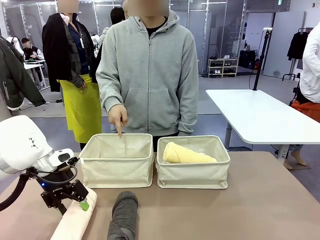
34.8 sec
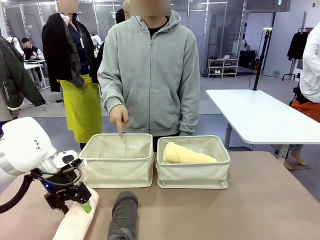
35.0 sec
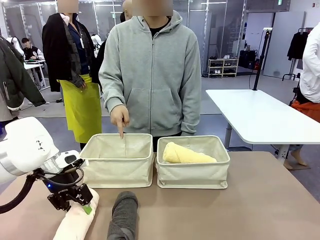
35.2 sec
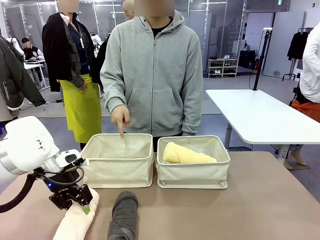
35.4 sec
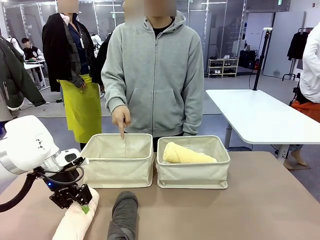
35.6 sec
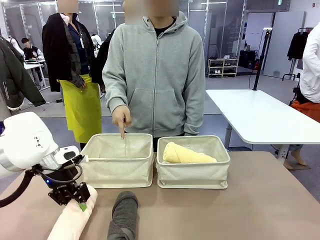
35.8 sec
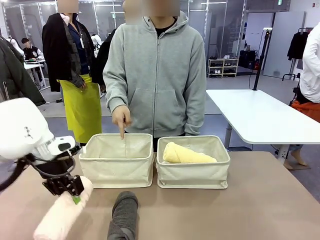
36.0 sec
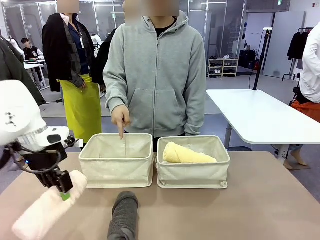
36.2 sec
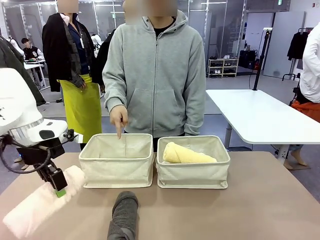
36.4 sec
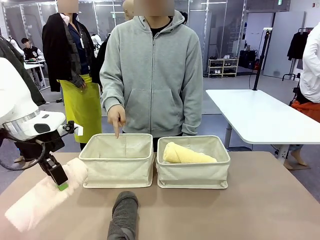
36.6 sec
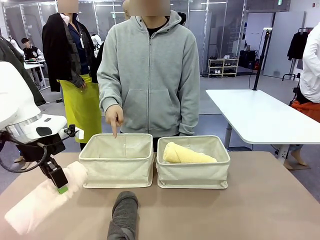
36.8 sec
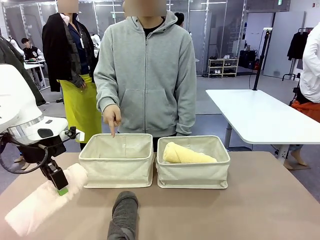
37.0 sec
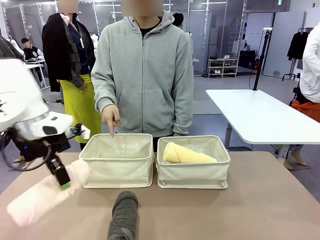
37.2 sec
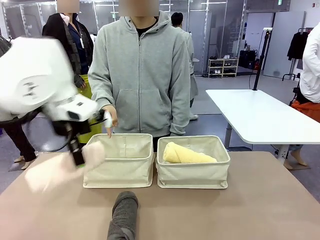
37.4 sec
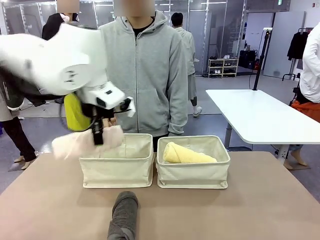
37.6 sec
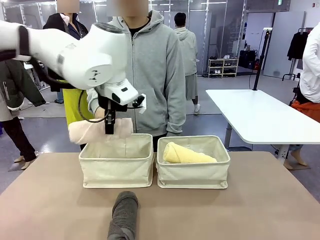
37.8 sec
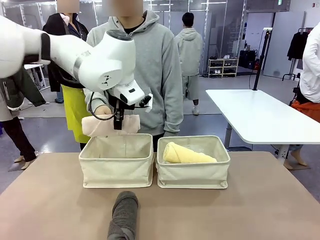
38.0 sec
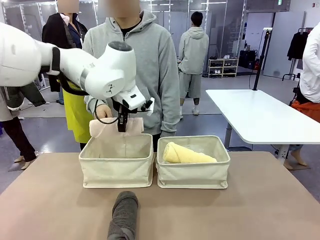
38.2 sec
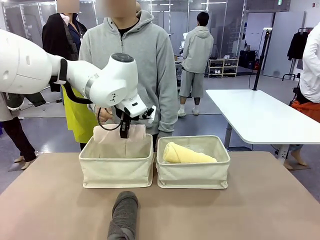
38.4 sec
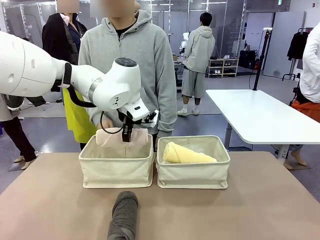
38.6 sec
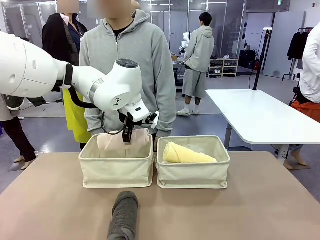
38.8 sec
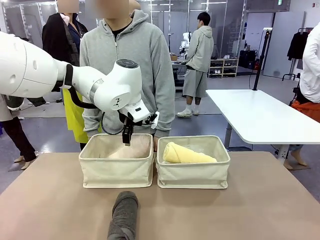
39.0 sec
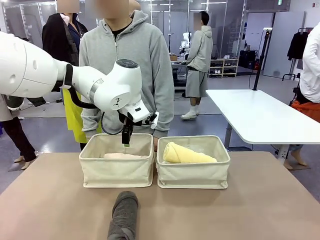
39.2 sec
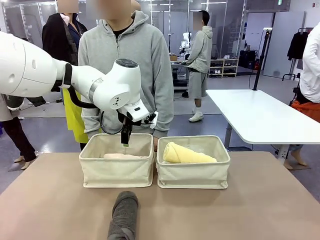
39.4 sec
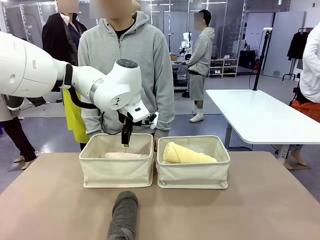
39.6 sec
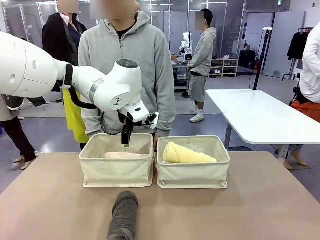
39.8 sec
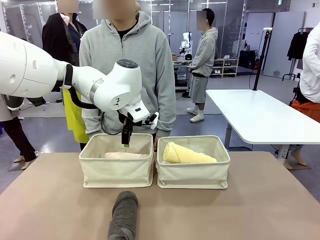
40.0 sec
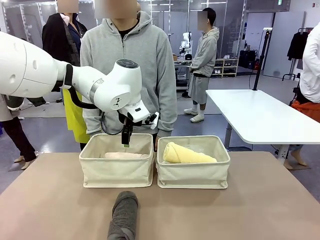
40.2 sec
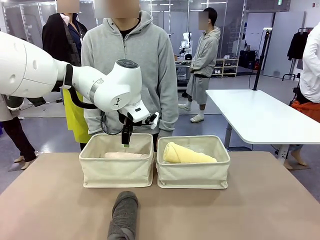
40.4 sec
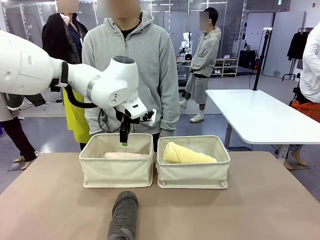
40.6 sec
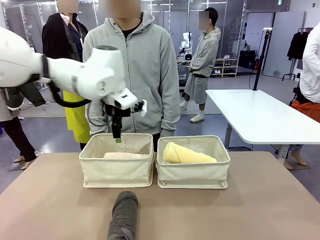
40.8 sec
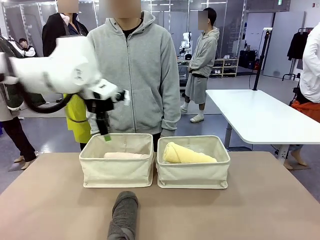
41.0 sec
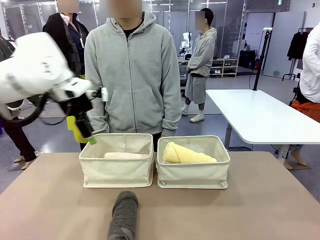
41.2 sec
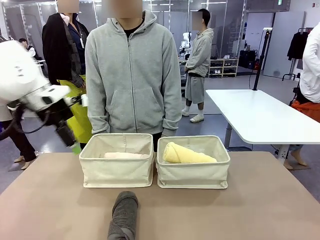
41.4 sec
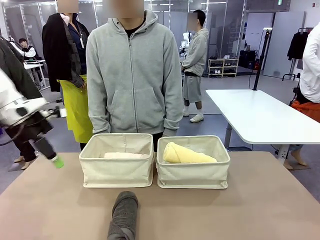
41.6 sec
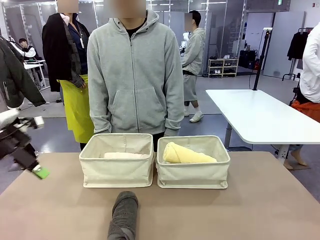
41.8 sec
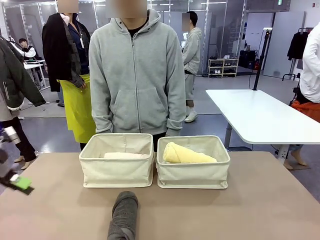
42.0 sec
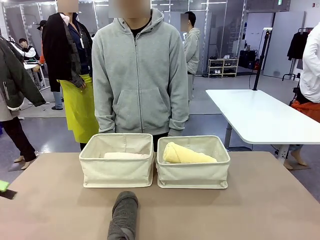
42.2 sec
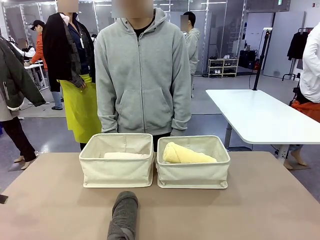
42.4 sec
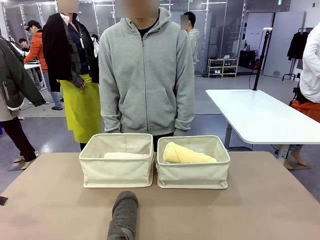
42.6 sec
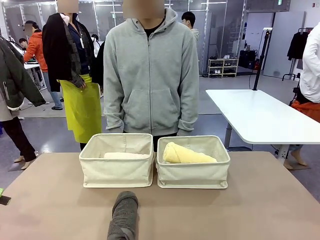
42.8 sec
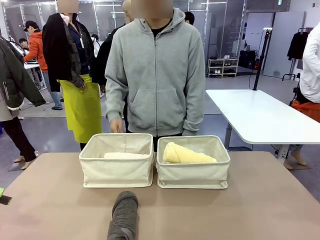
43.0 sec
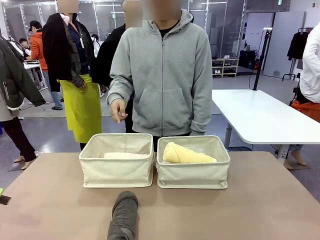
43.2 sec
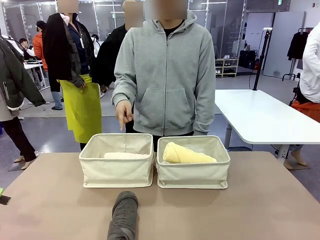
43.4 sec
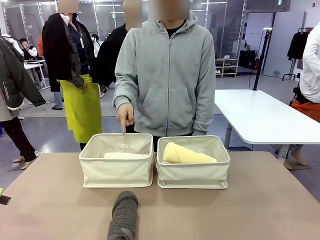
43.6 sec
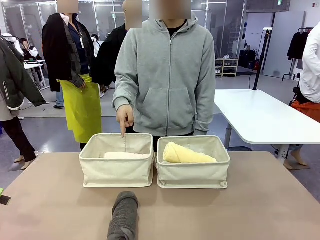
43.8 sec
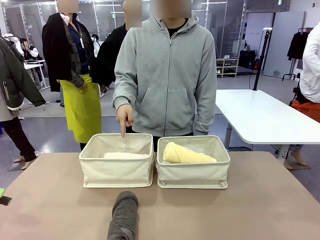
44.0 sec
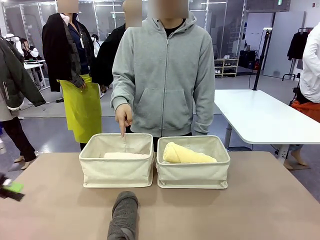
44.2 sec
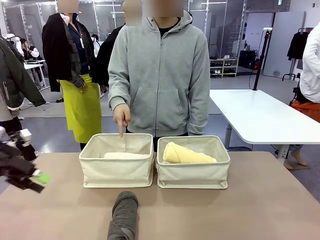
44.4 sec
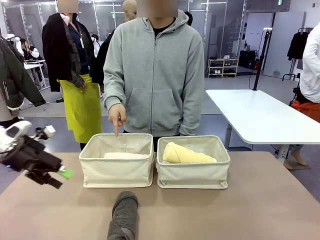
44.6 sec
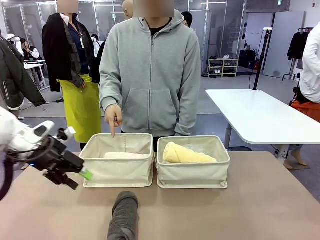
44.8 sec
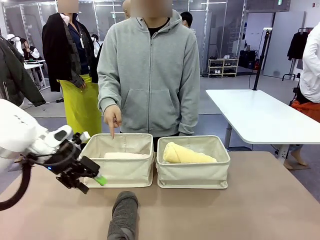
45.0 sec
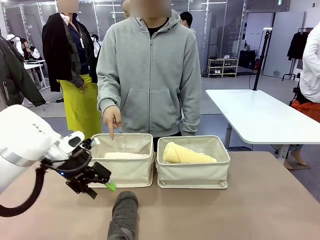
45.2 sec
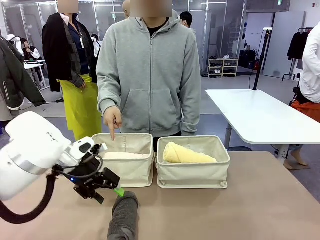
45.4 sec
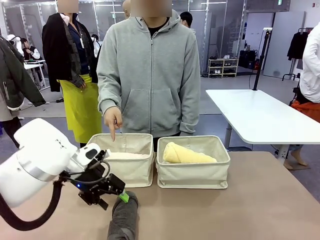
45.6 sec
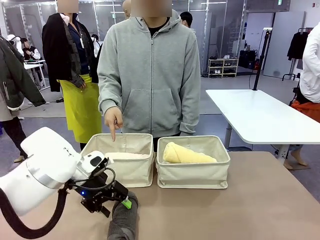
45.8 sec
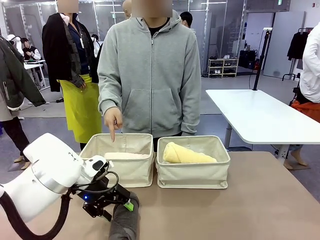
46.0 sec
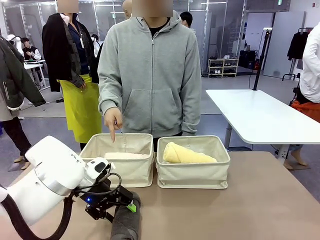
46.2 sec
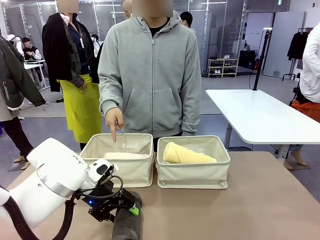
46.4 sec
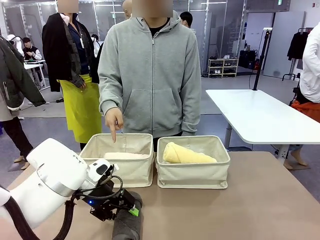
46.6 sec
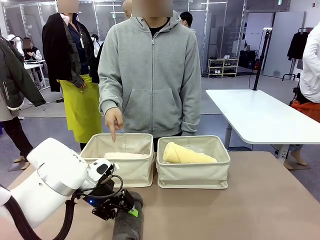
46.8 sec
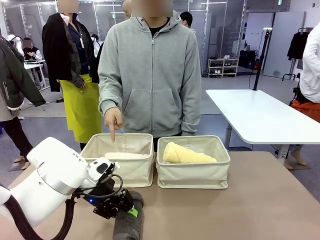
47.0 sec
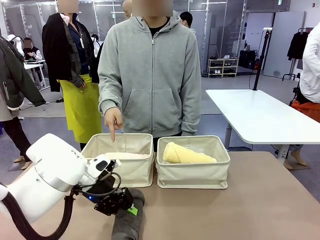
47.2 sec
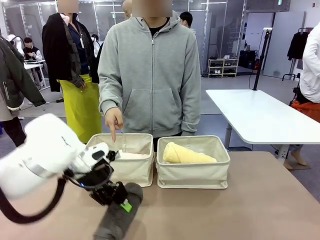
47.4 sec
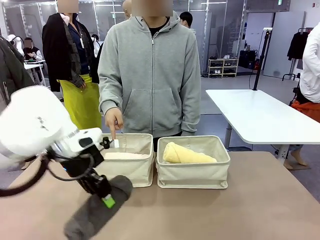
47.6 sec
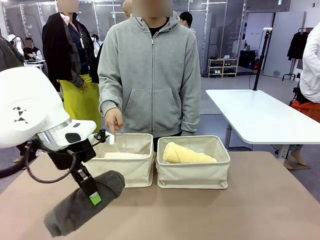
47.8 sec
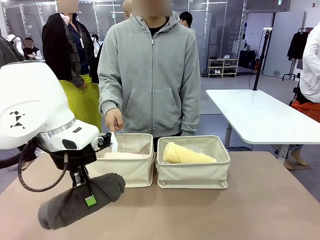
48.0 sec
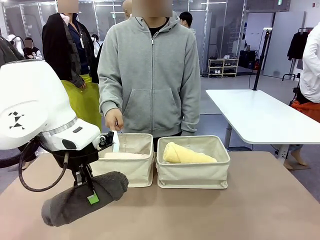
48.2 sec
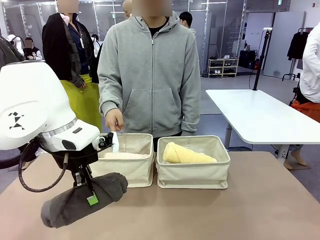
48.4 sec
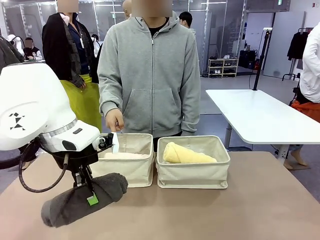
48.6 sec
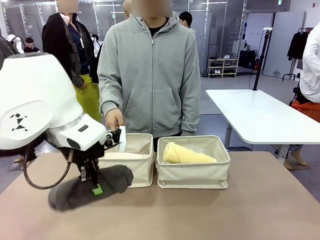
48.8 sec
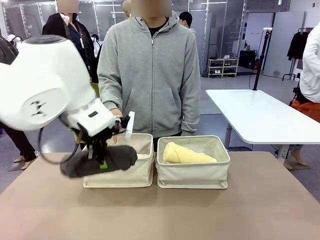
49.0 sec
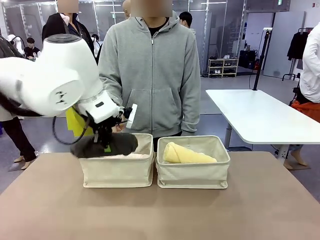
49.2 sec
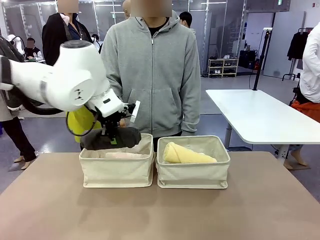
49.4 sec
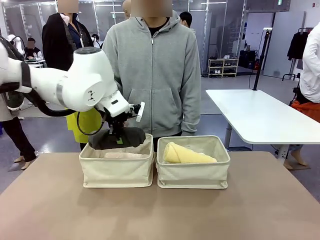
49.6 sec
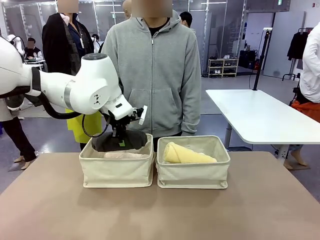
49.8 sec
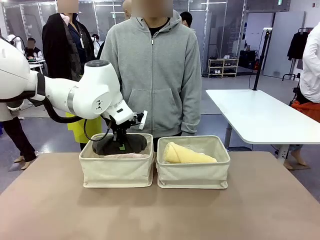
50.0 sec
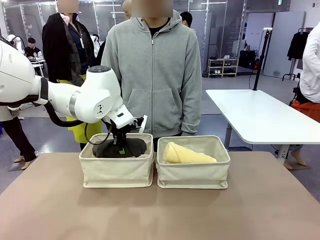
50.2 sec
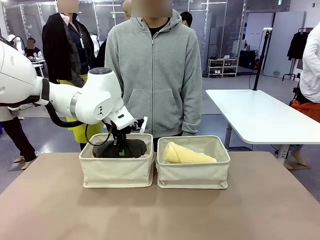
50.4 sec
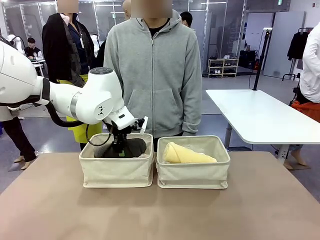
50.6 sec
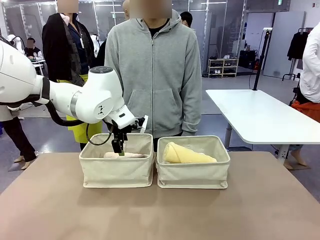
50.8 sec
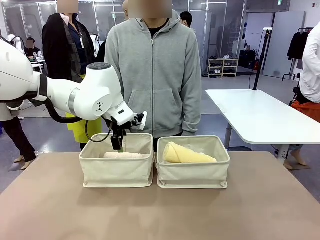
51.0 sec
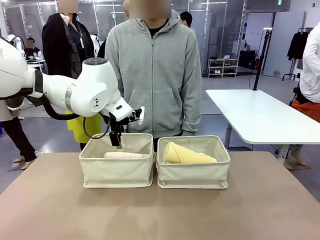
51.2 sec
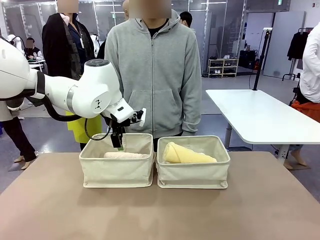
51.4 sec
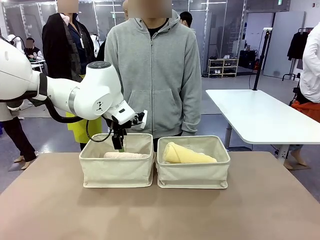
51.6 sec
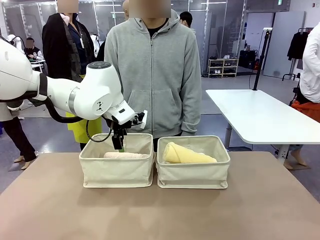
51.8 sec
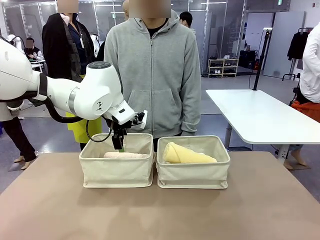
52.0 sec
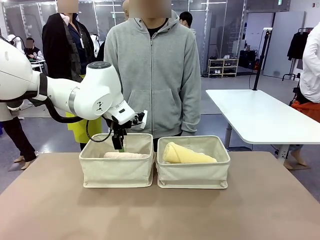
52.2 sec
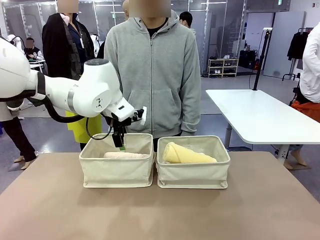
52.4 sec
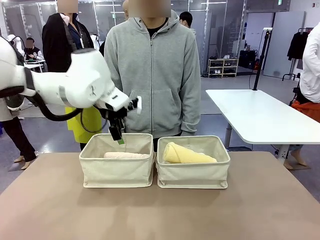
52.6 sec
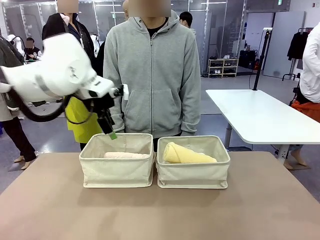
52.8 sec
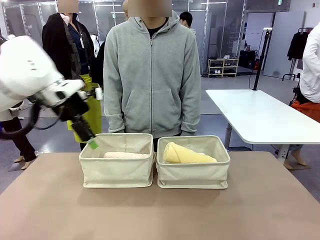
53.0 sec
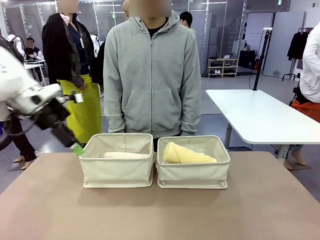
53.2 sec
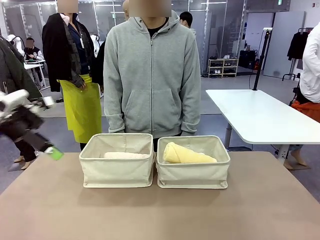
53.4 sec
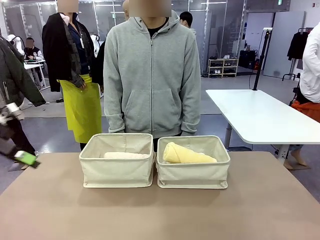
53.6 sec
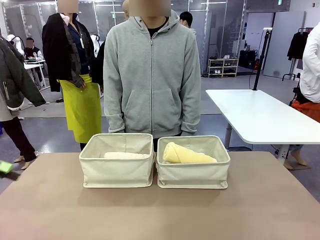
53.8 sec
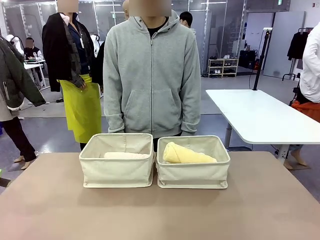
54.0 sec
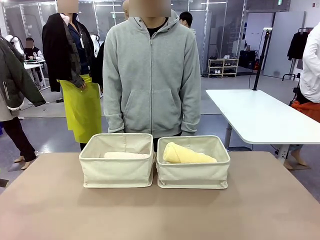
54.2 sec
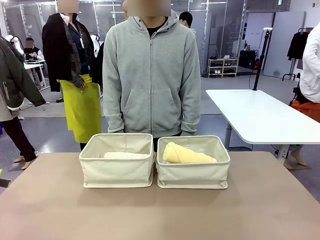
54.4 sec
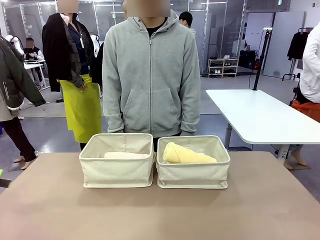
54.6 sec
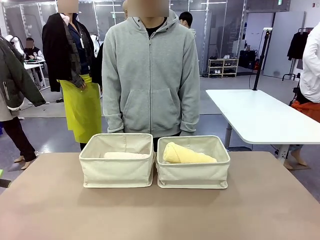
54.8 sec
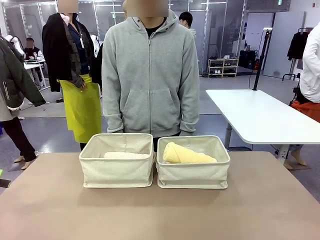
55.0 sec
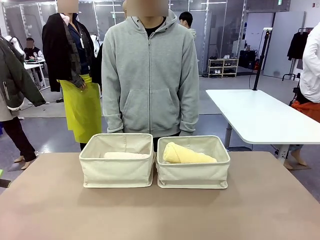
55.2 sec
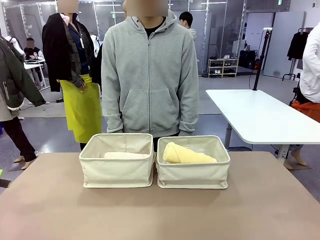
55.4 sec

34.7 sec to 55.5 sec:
Task: Divide the towels into two baskets.
Robot: Pick up one hotel-folded towel from the bottom of the table and place it in the Fabric basket indicated by the person.
